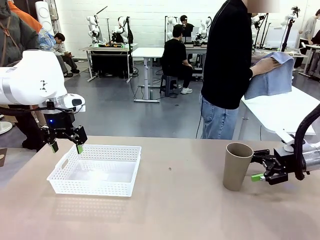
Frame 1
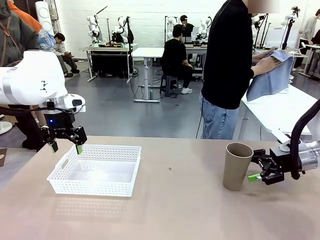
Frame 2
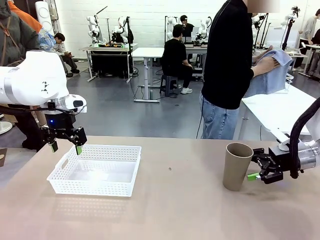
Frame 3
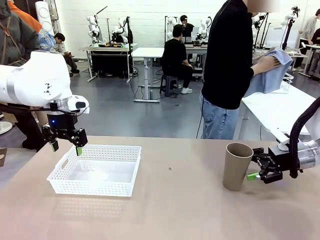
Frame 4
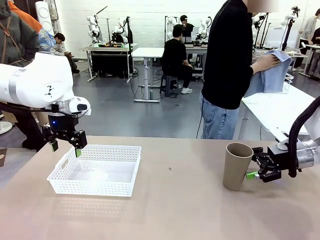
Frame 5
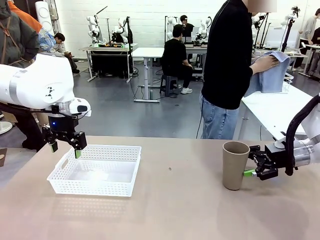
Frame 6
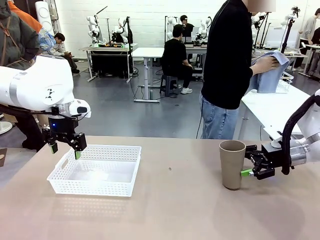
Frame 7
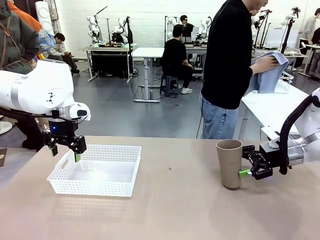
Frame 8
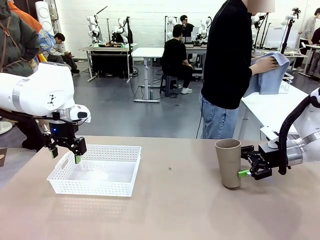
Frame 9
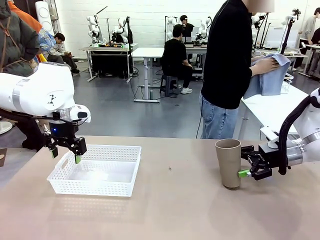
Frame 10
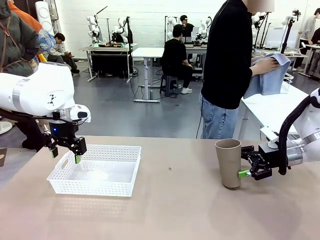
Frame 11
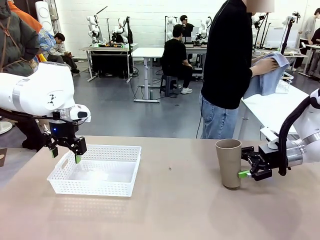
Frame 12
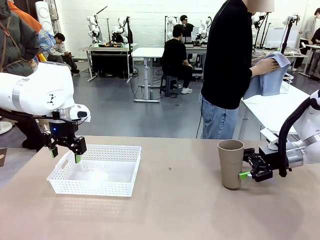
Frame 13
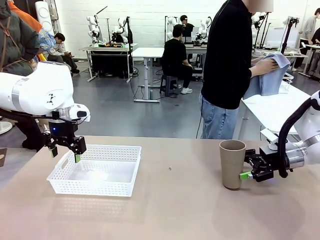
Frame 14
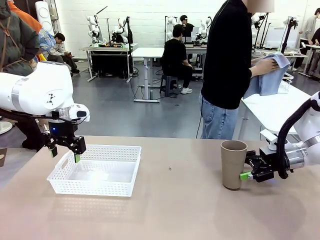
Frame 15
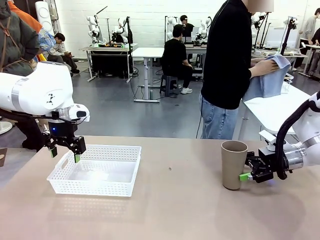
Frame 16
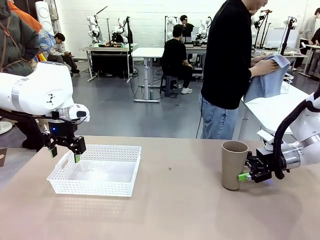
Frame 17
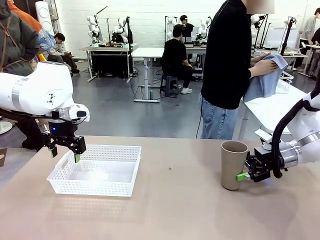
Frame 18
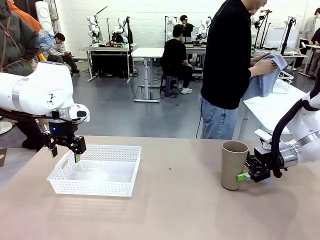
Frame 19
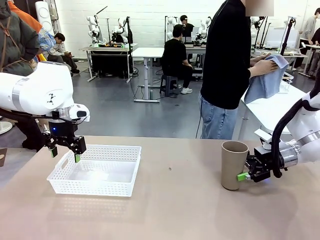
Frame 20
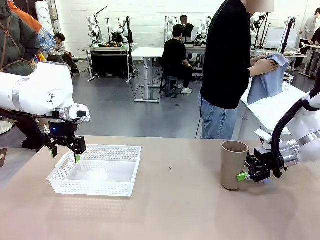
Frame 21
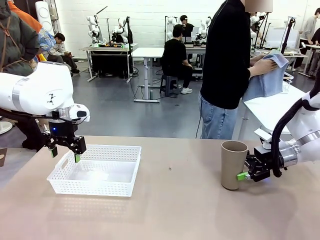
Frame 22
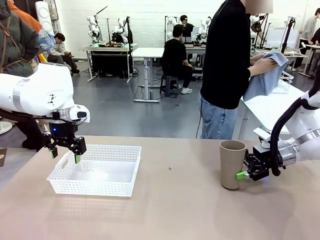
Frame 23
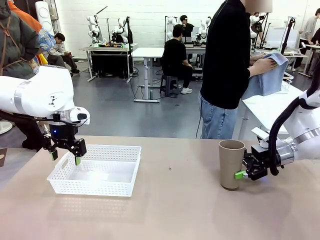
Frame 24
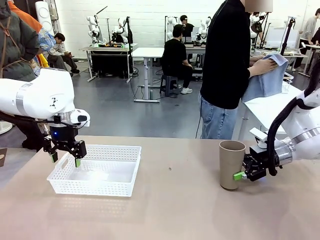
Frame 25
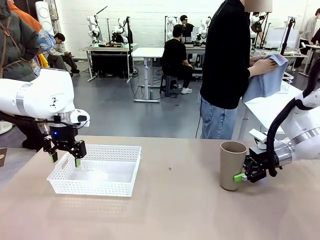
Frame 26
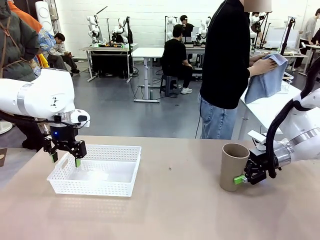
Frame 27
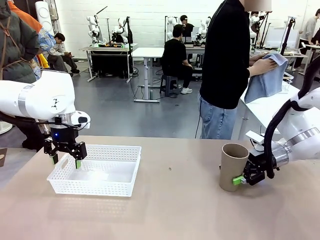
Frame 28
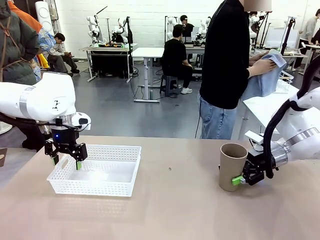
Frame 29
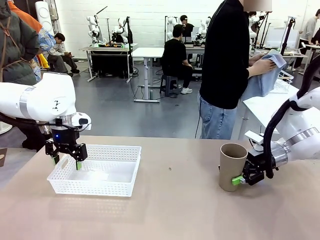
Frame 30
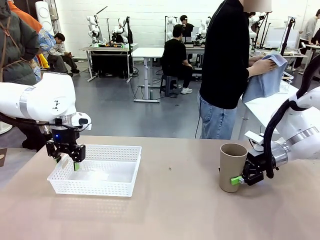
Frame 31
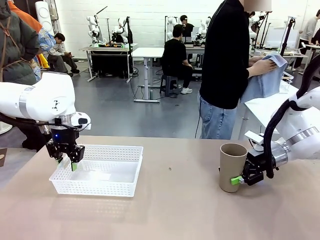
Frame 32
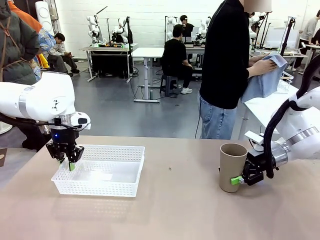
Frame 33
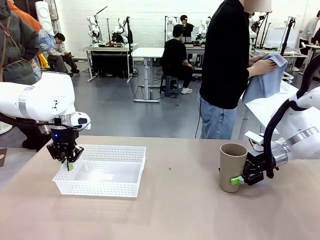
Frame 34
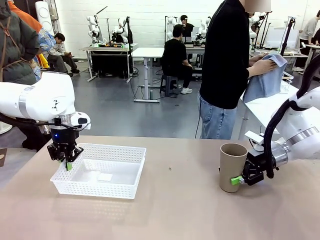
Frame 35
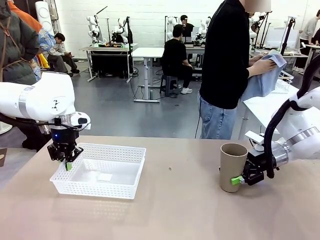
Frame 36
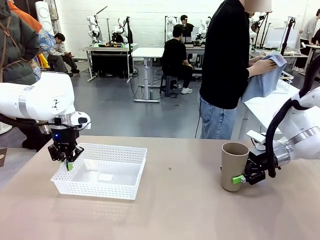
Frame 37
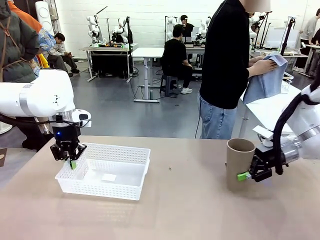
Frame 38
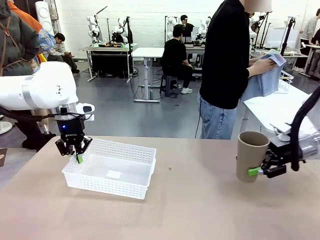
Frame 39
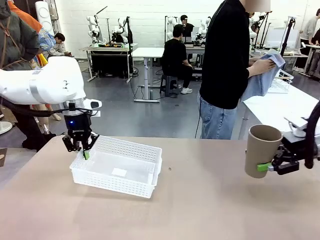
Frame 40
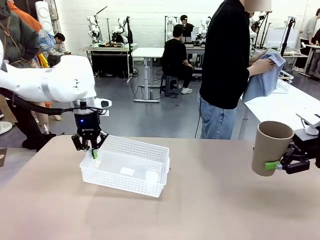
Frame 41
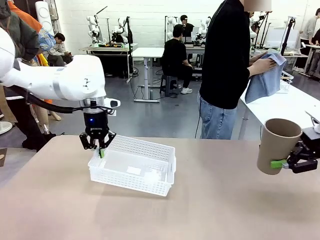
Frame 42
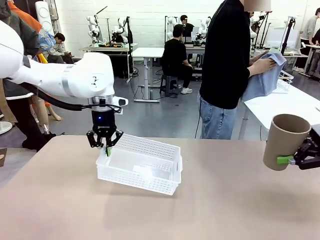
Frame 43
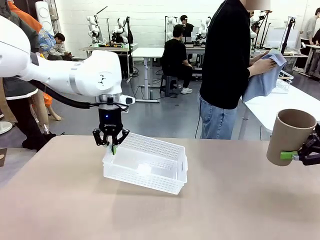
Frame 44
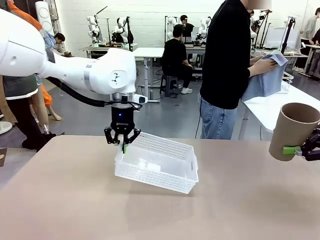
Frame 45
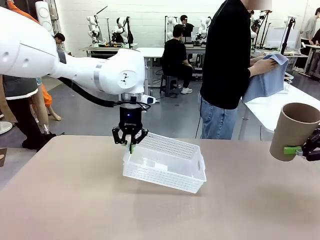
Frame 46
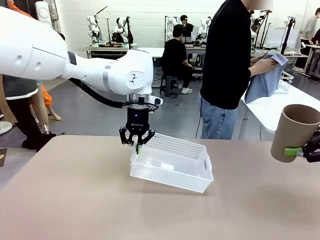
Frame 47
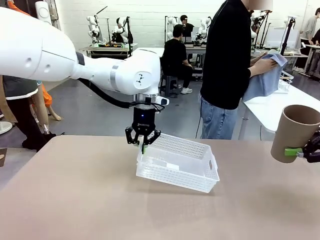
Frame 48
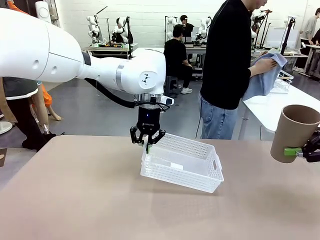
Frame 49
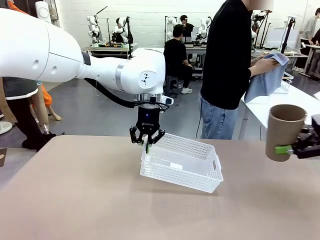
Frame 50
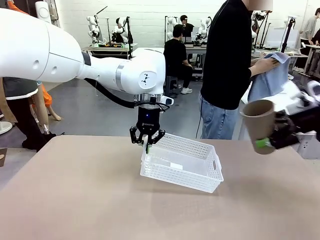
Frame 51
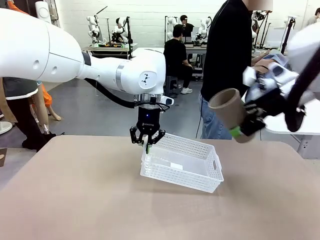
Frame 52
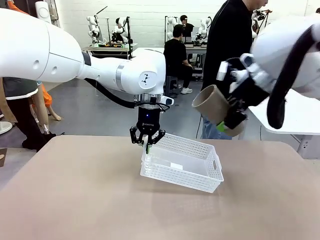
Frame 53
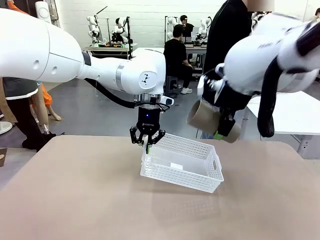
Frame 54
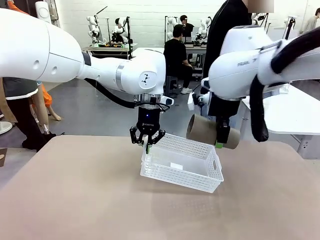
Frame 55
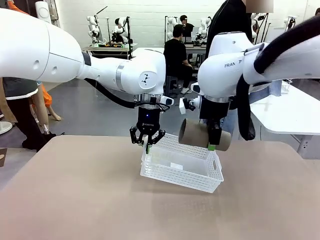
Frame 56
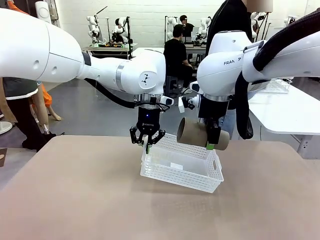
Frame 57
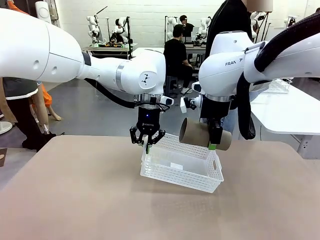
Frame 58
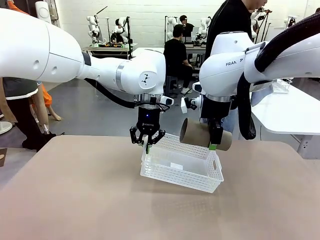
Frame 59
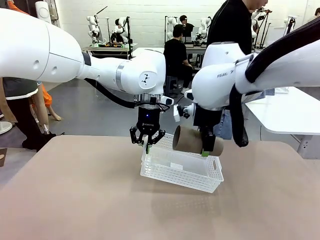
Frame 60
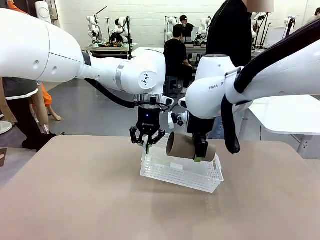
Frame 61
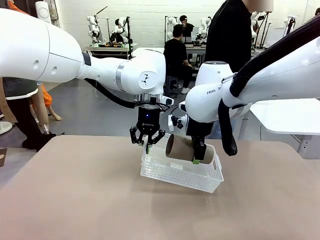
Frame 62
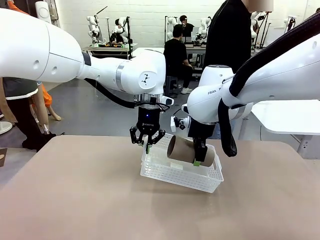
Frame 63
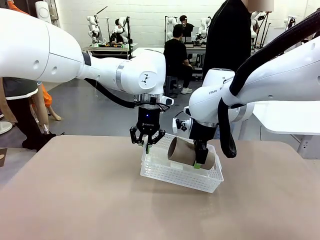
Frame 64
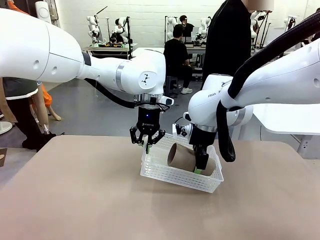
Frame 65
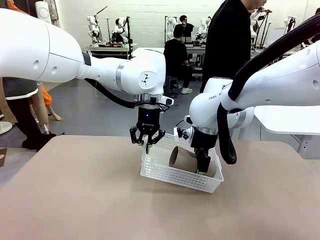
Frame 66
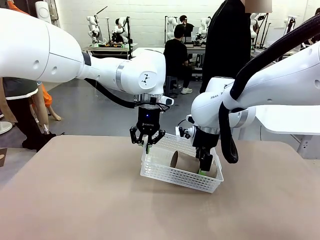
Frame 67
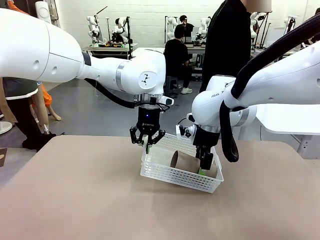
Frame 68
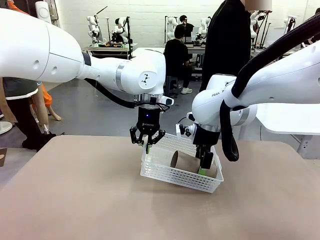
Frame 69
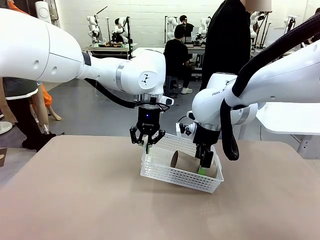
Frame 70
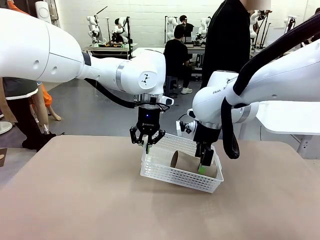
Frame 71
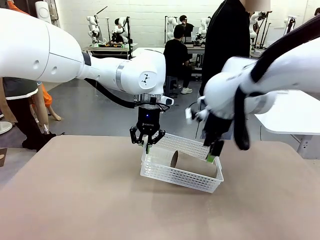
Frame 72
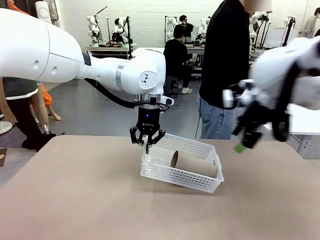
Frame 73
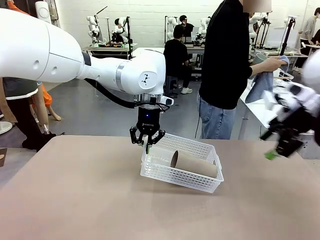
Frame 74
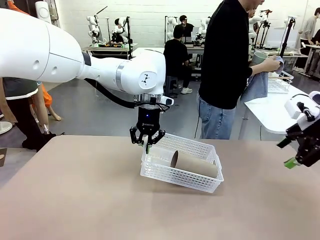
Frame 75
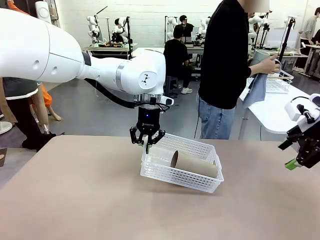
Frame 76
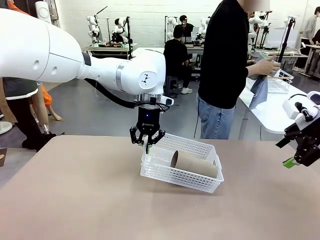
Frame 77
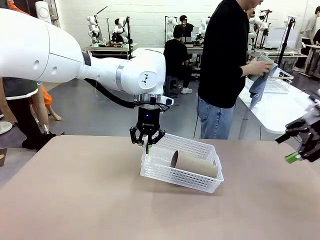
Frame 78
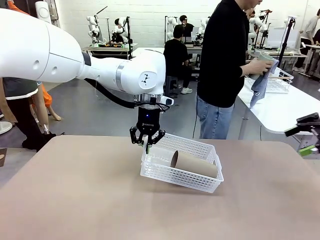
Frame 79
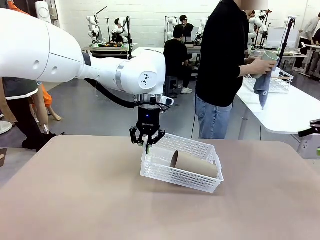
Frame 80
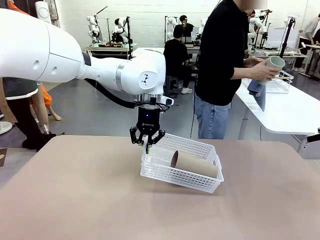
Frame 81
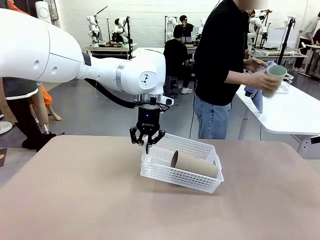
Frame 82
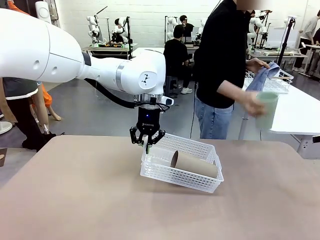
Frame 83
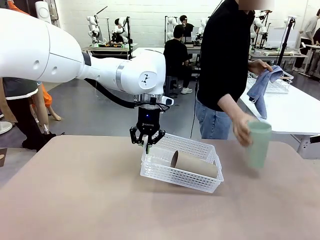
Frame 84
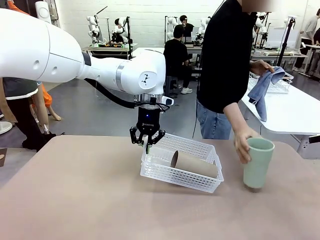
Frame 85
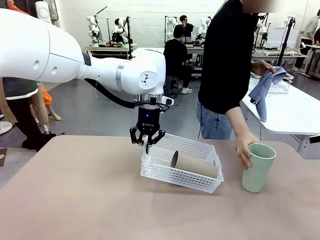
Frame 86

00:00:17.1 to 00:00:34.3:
Task: Clean and organize the cups into the basket.
Robot: Pick up the Organizing basket and move it to the center of the table, then pick up the Reusable plastic cup from the right side of the table and place it inside the Organizing basket.

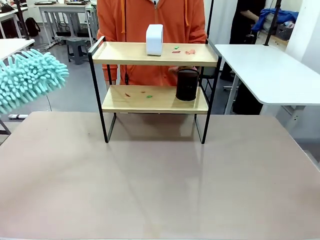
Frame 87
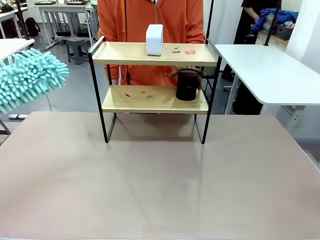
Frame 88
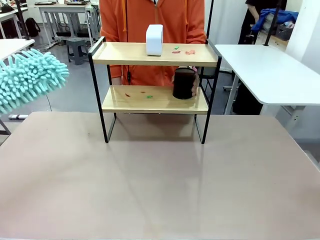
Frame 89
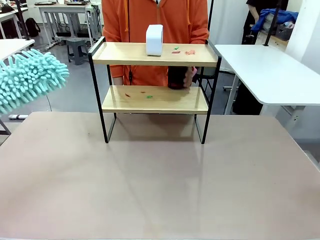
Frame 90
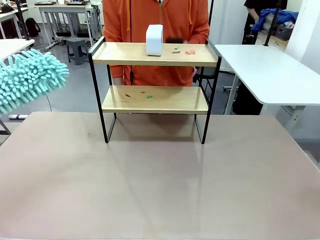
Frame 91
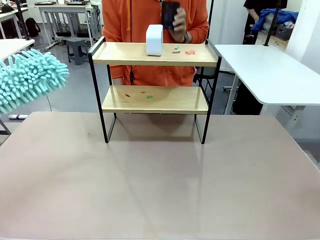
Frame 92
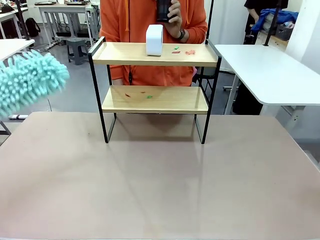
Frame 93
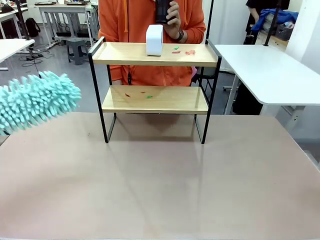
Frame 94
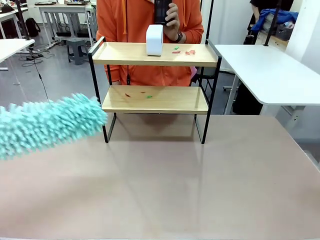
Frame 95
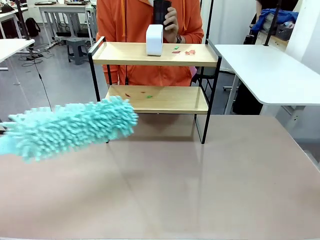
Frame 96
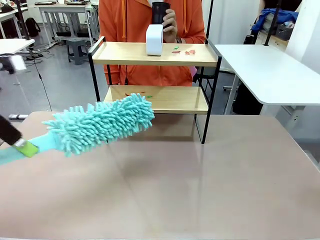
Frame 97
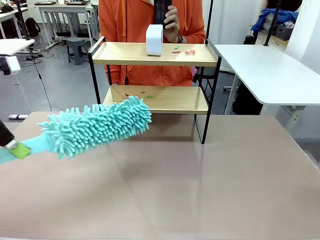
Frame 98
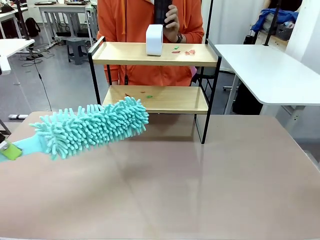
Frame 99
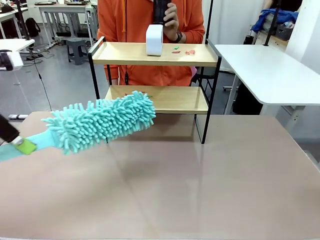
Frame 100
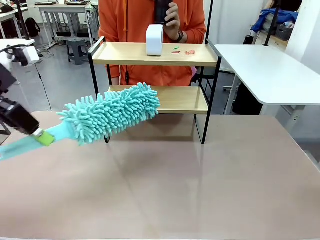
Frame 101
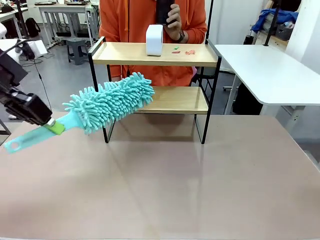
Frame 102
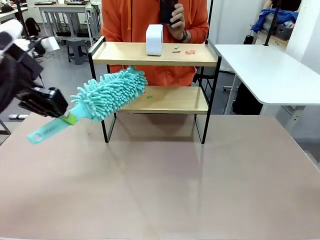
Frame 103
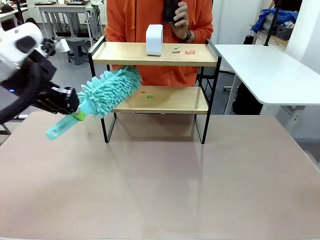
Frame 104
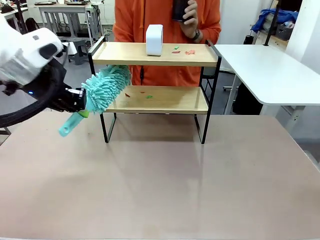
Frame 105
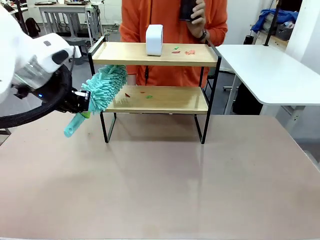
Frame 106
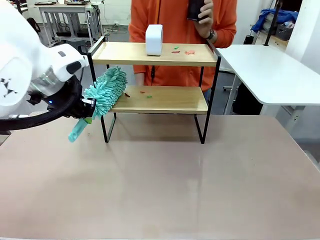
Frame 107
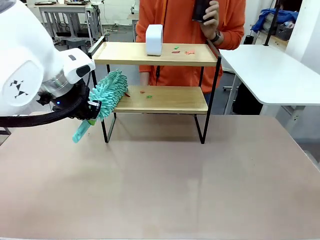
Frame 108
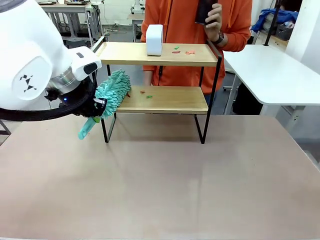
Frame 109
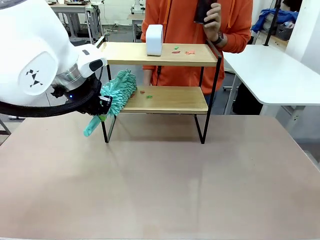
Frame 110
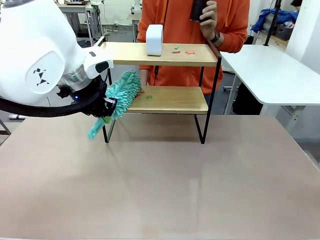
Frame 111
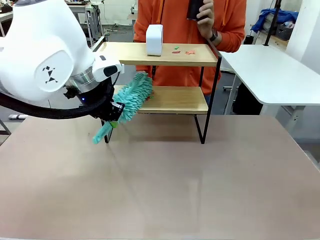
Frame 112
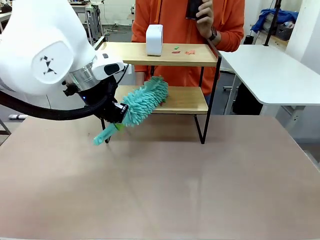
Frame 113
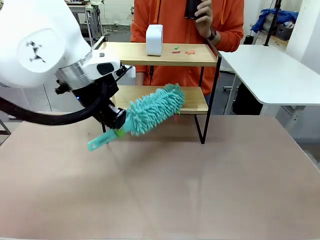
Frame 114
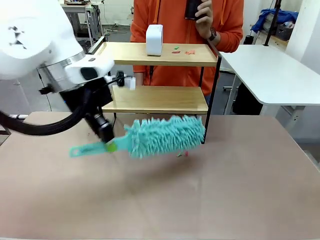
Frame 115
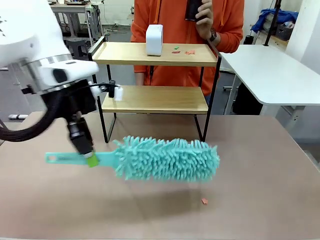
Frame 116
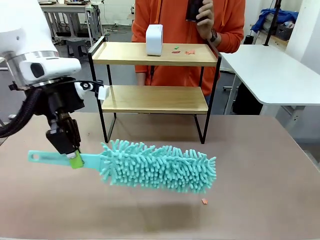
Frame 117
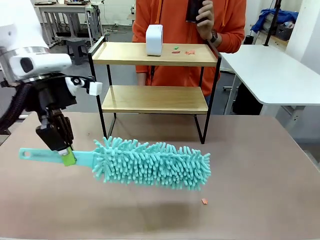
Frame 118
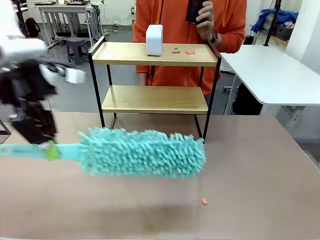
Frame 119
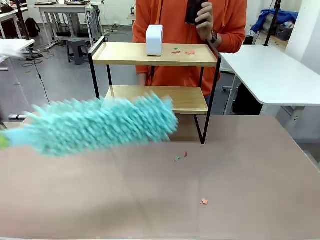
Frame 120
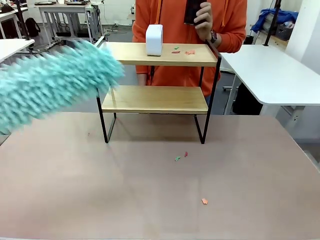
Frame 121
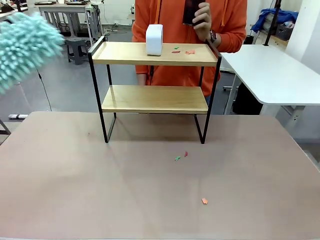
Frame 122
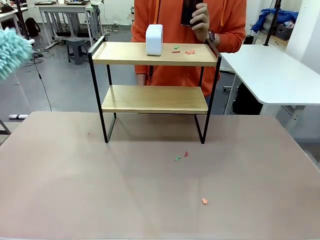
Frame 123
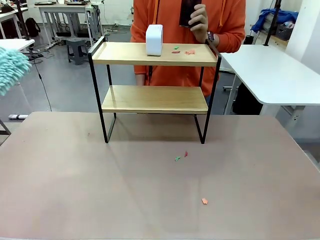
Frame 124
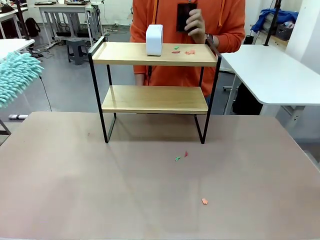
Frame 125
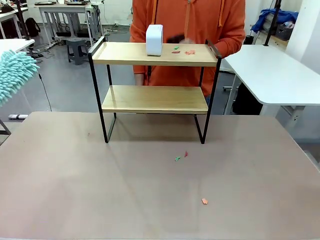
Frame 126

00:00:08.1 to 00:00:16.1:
Task: Clean the shelf.
Robot: Clean the specific tier of the Shelf with the Duster once objects are removed.
Person: Lift the objects on a randomly selected tier of the Shelf. Once the robot finishes cleaning, lift the objects on the remaining tiers of the Shelf.
